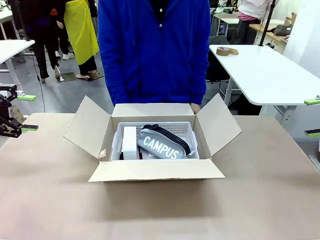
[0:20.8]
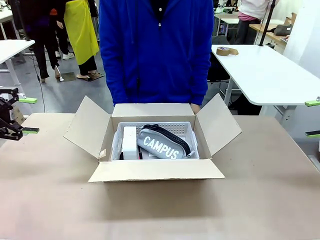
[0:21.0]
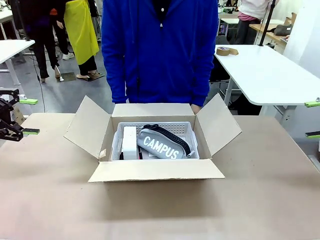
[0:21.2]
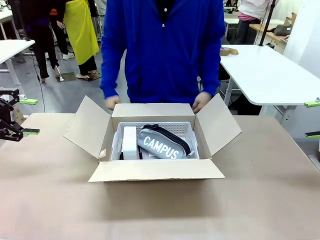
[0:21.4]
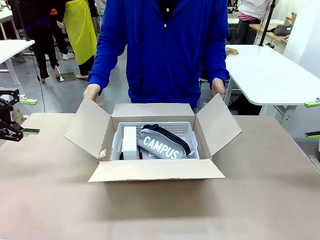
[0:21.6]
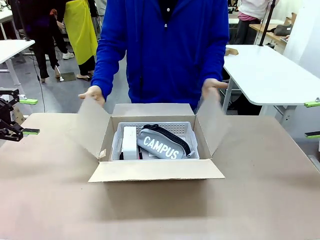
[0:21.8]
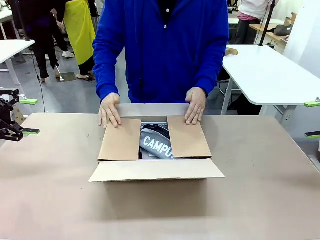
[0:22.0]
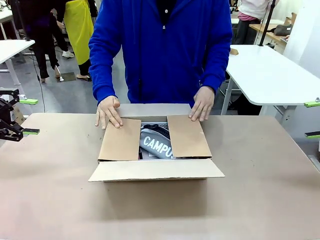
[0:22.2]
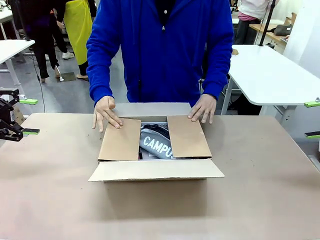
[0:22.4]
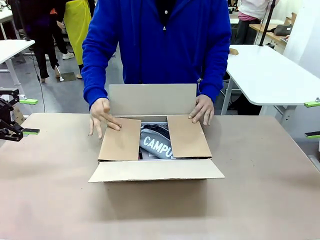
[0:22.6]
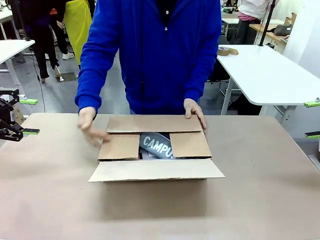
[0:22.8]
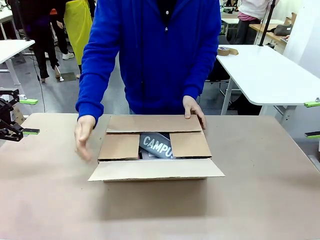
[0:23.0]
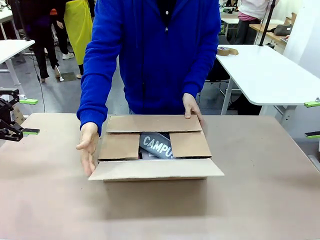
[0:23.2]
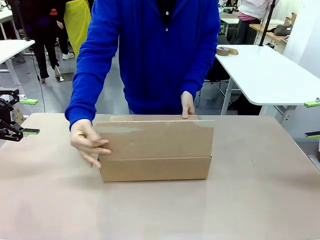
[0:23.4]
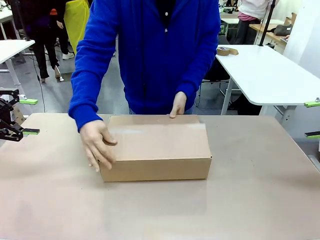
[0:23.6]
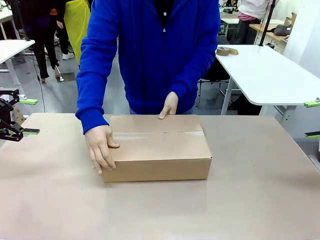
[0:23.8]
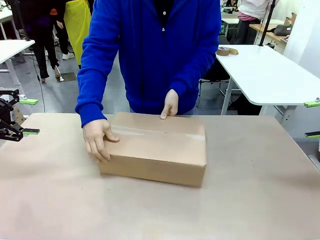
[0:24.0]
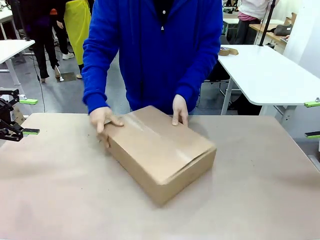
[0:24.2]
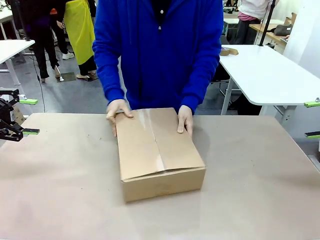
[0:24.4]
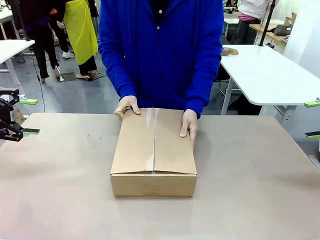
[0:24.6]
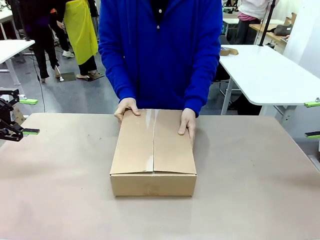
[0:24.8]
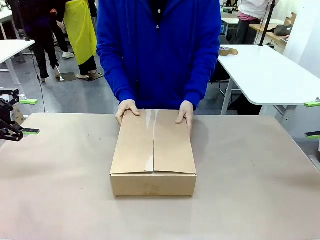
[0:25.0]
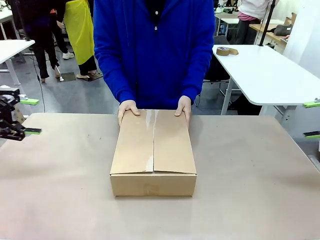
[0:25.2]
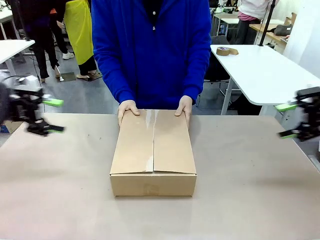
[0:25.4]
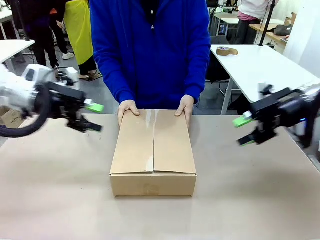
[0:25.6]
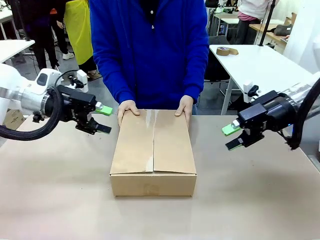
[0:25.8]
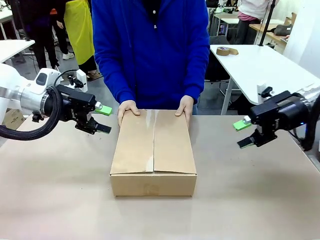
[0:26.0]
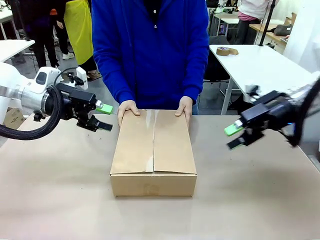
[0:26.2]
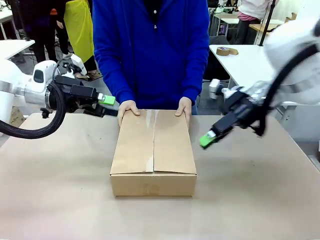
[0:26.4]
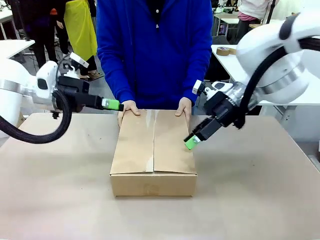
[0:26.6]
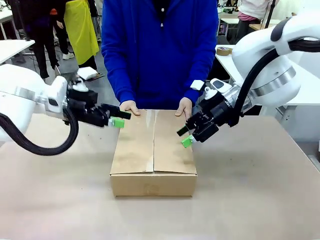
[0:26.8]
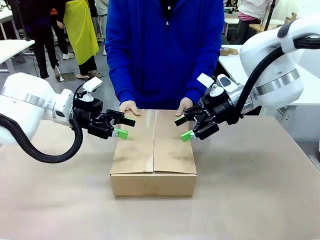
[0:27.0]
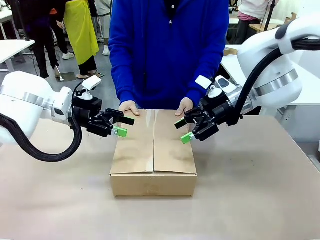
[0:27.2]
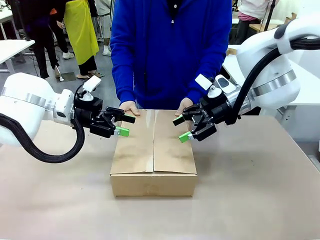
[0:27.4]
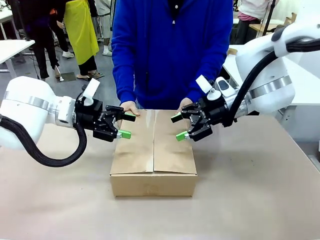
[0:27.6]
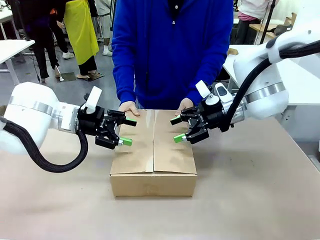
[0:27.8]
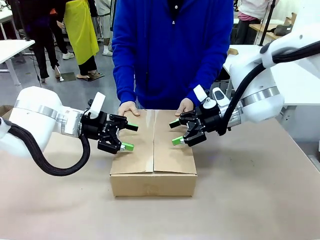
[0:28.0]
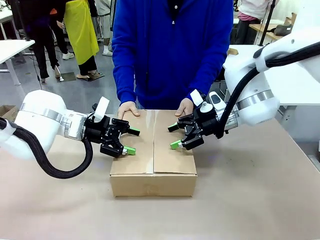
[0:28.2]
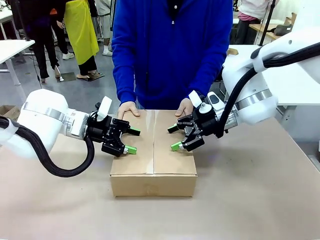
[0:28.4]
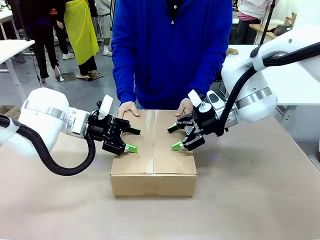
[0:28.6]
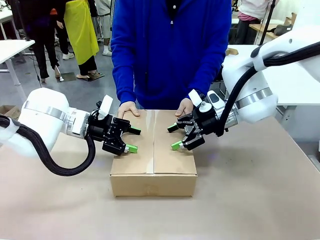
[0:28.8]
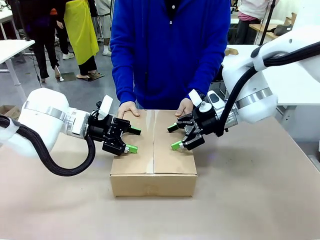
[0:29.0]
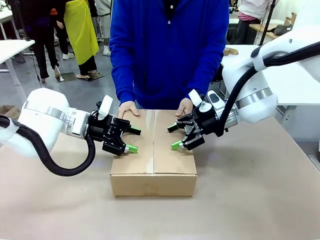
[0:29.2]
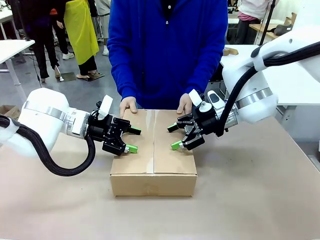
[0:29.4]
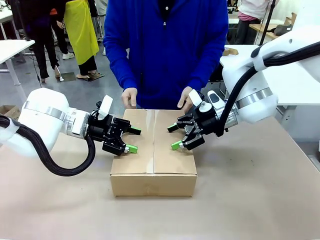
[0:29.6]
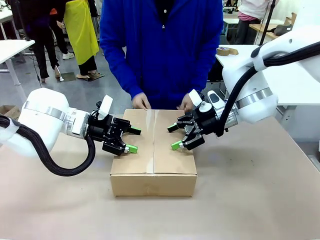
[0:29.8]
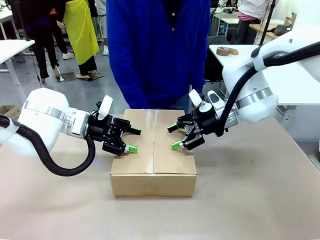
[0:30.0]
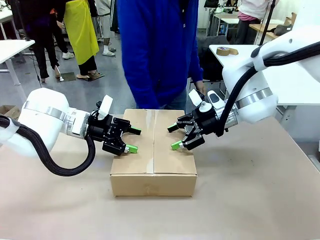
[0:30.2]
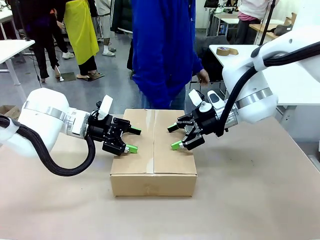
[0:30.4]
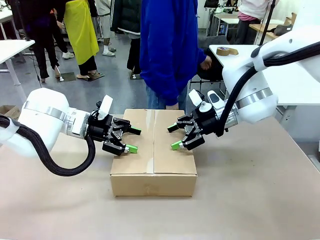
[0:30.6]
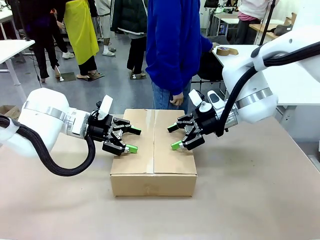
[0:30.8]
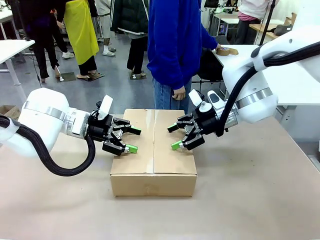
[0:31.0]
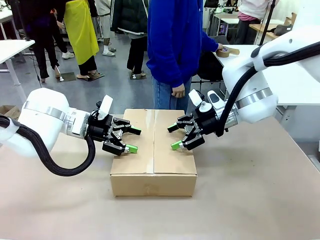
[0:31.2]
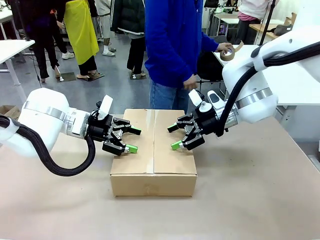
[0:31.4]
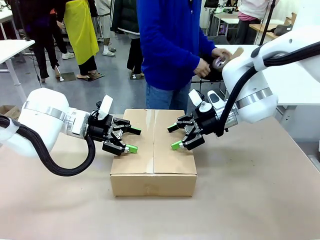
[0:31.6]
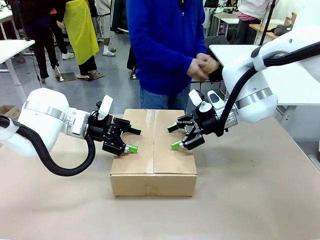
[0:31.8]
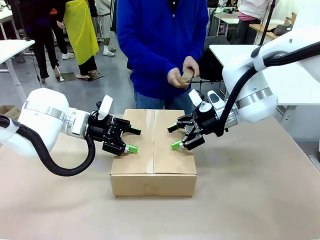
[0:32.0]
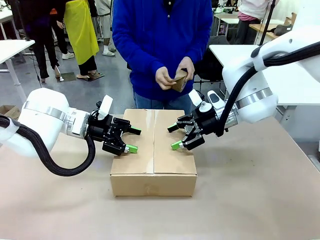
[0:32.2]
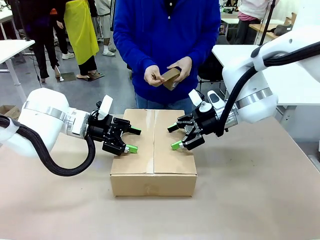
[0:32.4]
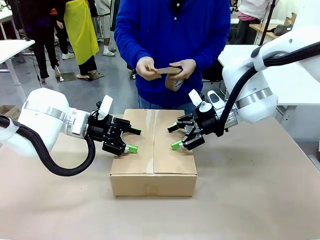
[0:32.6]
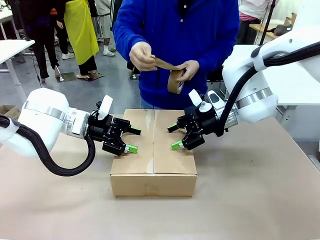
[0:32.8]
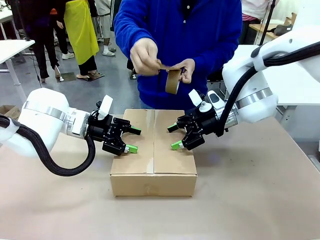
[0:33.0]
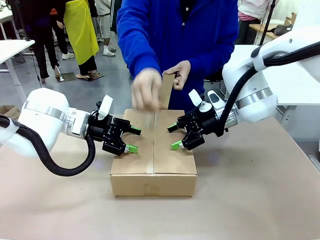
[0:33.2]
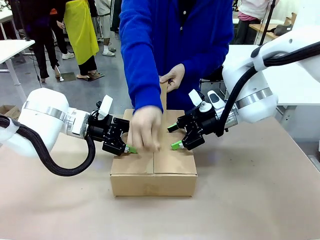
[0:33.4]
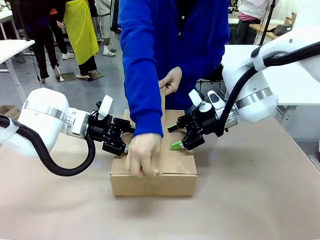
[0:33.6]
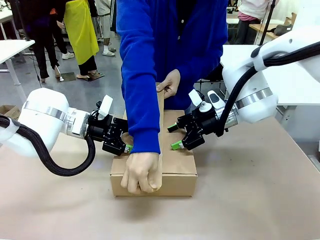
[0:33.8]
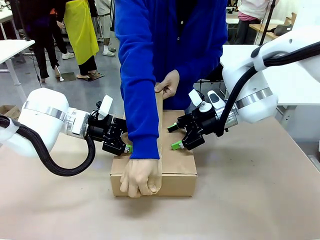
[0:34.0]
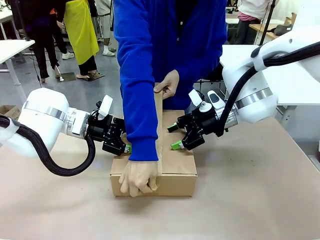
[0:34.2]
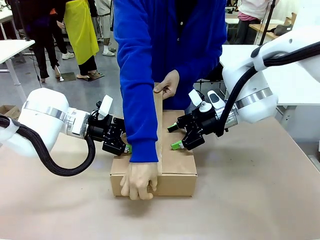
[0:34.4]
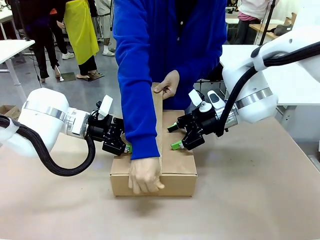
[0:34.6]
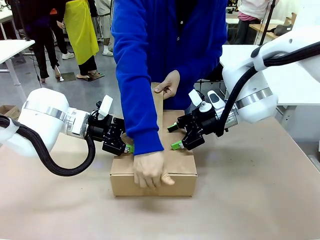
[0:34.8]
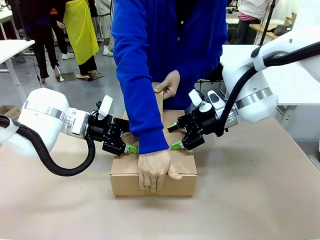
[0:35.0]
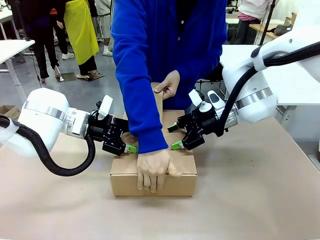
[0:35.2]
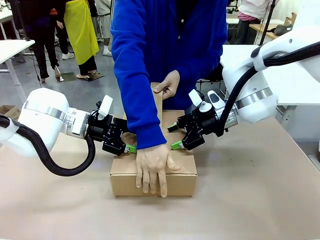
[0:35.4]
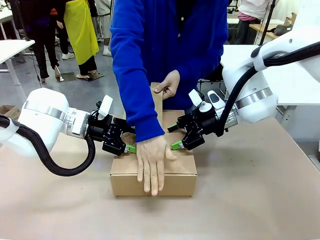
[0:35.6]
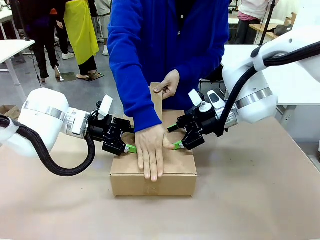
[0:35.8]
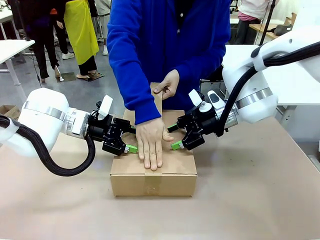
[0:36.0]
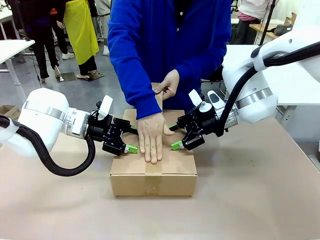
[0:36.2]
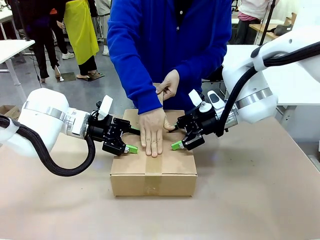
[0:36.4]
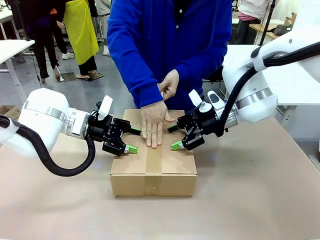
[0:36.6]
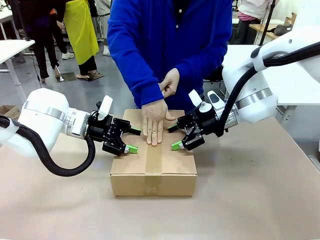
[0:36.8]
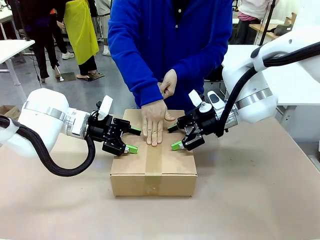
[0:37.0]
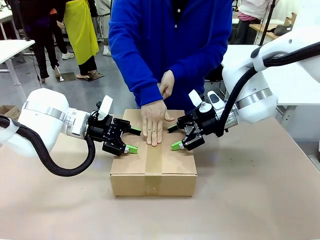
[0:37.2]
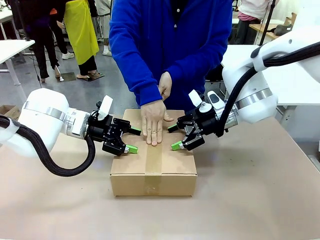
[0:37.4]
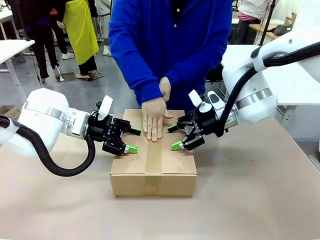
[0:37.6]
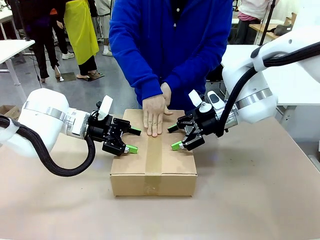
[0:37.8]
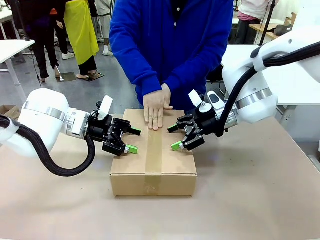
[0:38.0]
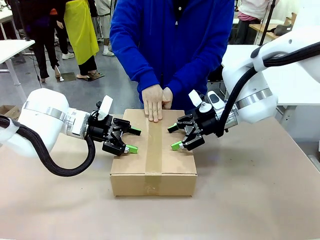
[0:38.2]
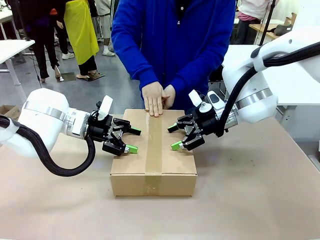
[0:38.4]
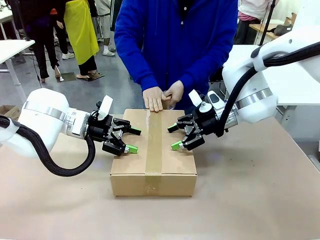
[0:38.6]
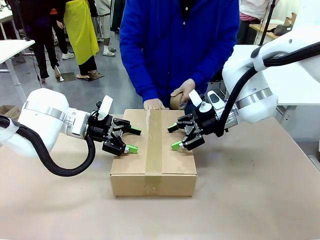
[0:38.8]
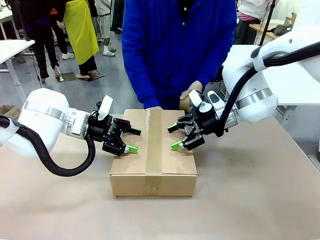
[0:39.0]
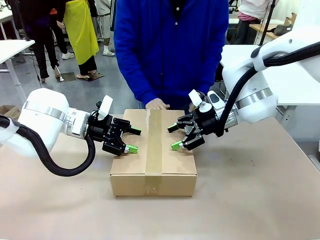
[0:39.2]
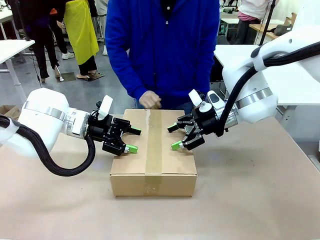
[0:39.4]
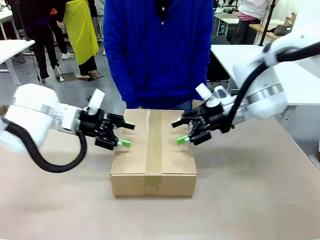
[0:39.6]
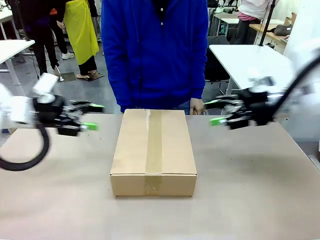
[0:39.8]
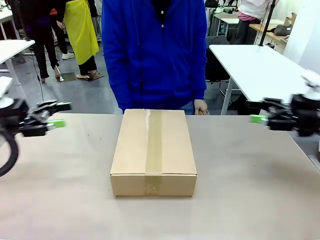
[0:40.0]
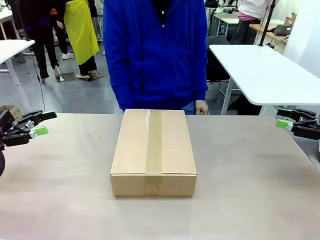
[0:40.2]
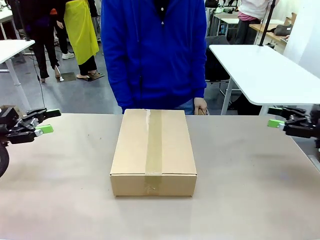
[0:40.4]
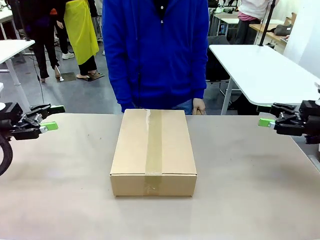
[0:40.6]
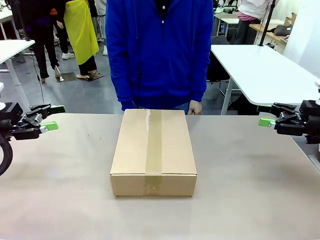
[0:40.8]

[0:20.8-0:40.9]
Task: Pack the gift set into the box.
Robot: Press and hold the closed box until the human finishes sealing it.
Person: The human closes the box and rotates the box by 90 degrees. The human picks up the paper tape from the human table and packs the box.
